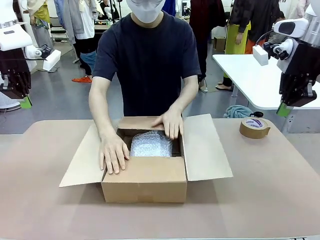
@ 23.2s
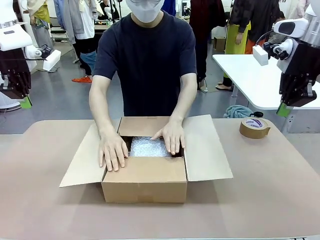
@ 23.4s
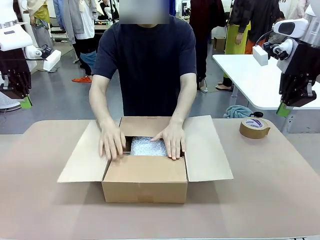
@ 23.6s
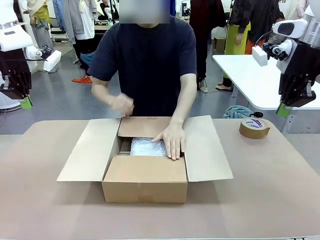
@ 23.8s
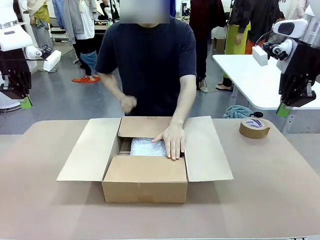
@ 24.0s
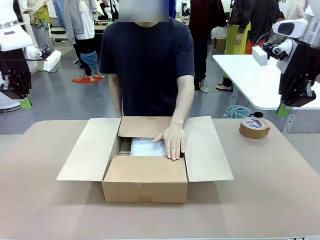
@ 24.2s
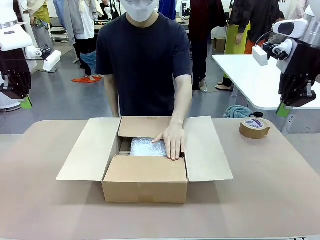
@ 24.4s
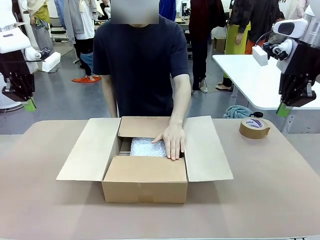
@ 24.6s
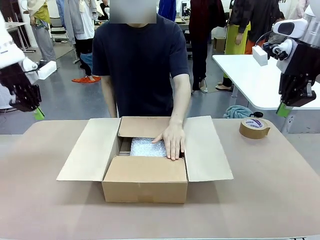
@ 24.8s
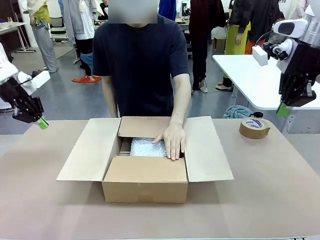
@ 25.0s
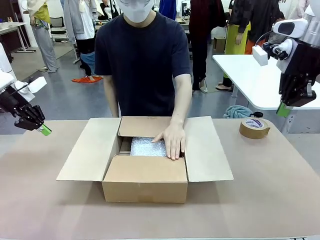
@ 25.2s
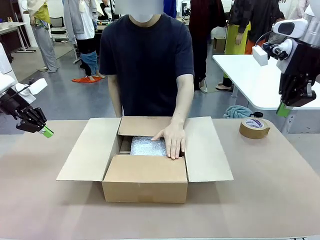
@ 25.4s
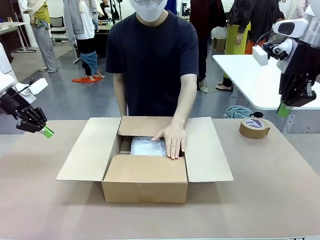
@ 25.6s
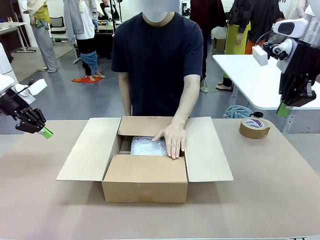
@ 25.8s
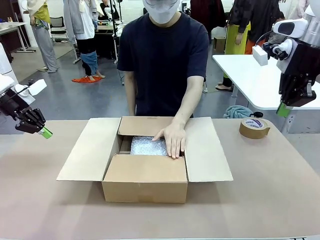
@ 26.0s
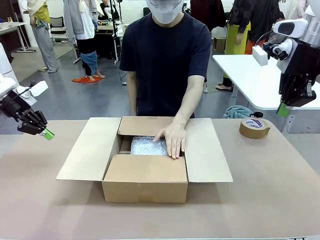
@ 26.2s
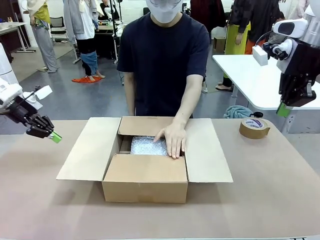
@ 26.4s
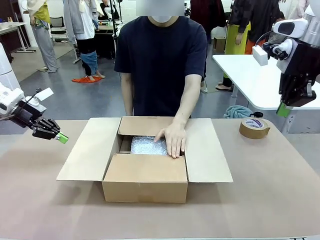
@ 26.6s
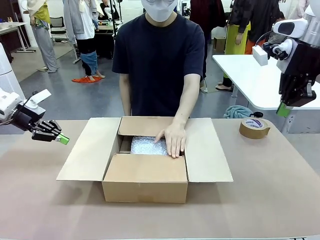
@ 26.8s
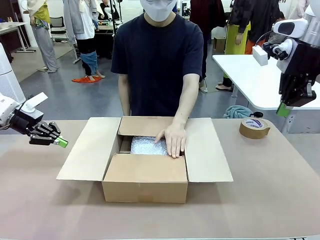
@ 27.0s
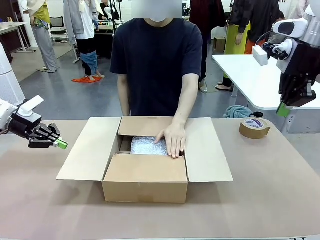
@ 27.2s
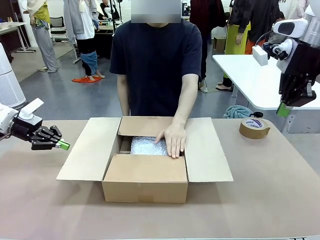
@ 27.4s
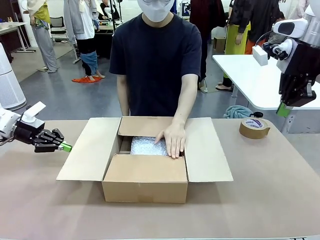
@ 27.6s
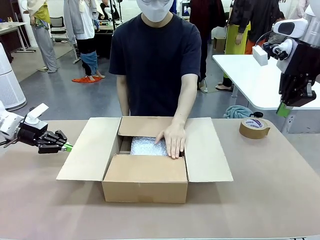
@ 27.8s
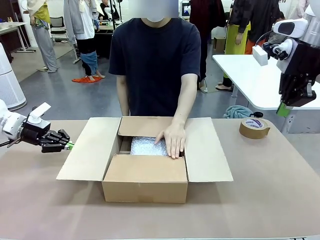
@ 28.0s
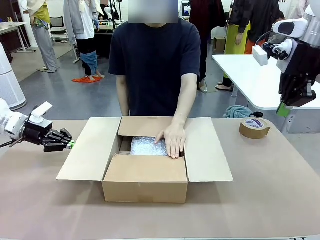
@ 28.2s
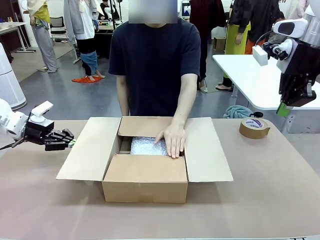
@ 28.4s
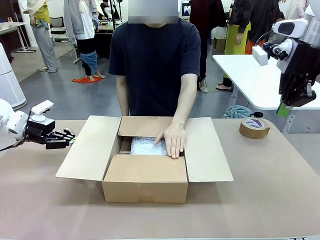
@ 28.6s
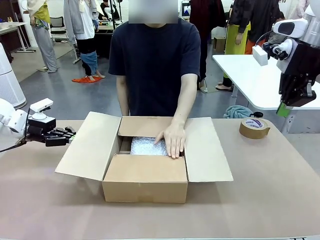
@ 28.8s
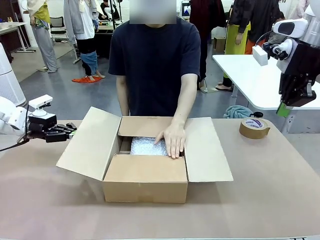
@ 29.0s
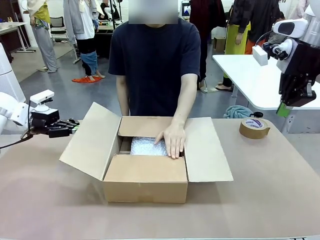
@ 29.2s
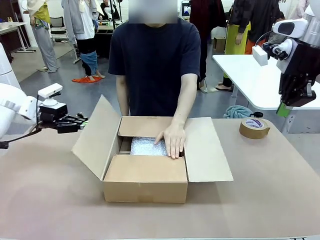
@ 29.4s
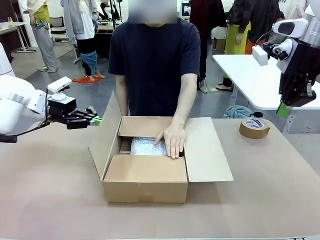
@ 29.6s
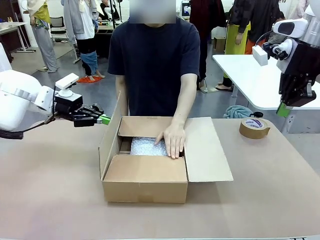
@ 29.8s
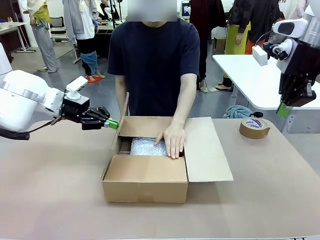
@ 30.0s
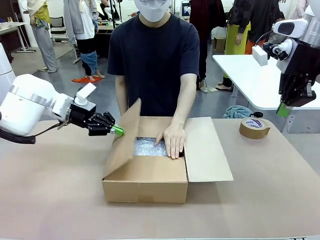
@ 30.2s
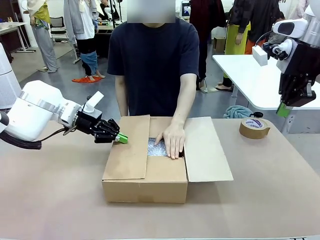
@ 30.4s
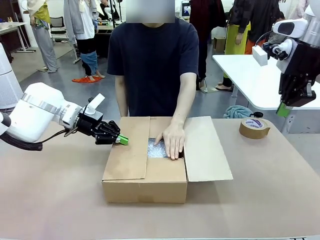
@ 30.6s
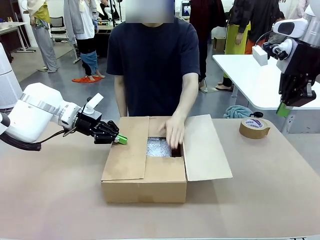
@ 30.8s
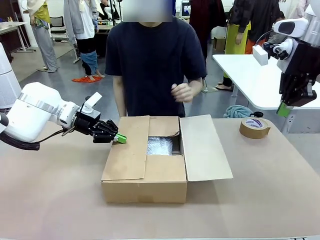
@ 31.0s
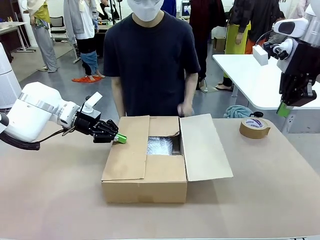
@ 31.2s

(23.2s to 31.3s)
Task: Wrap the clocks to prevent damage.
Robot: Push the right (or left) flap of the Package Box to close it.
Person: Once the robot closes the right flap of the Package Box , release your left hand from the box.

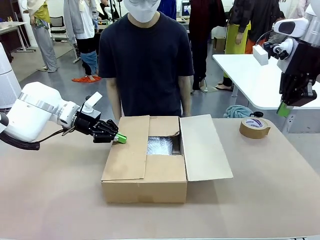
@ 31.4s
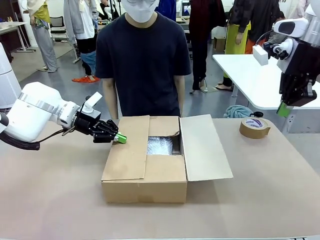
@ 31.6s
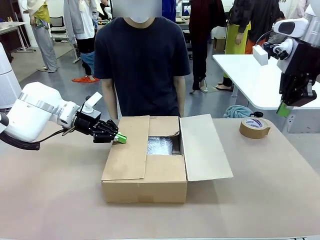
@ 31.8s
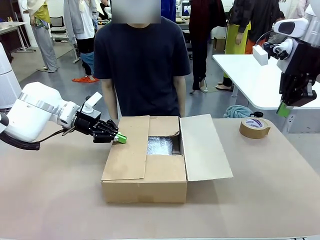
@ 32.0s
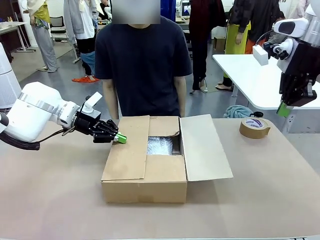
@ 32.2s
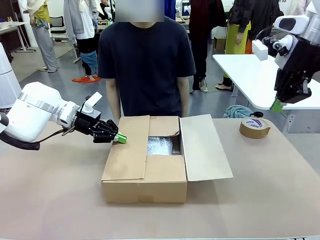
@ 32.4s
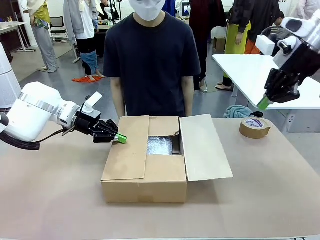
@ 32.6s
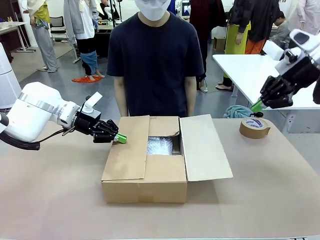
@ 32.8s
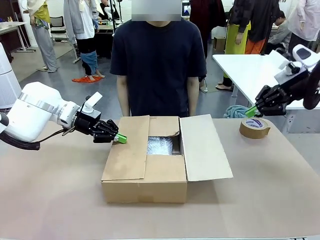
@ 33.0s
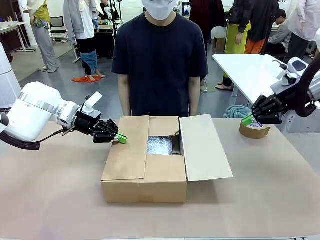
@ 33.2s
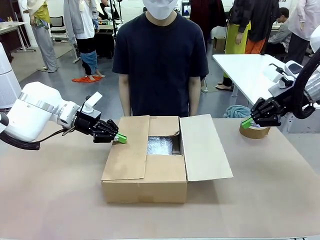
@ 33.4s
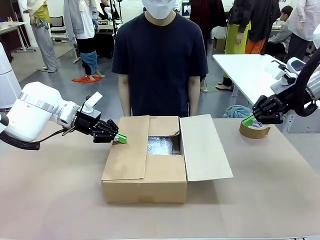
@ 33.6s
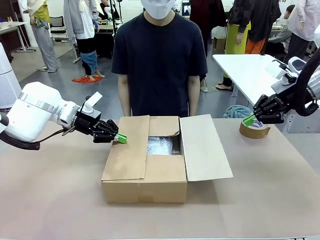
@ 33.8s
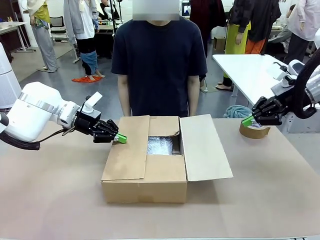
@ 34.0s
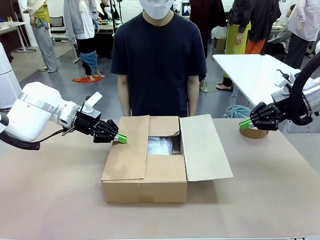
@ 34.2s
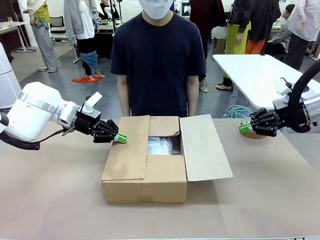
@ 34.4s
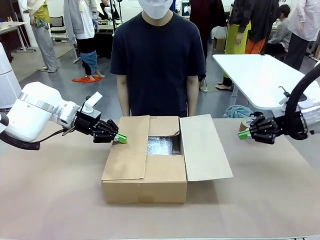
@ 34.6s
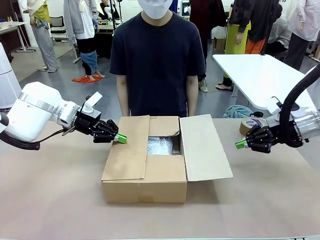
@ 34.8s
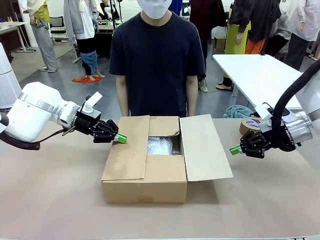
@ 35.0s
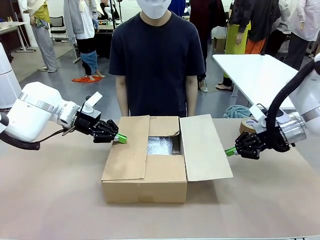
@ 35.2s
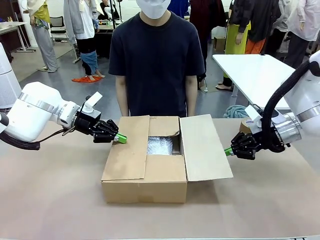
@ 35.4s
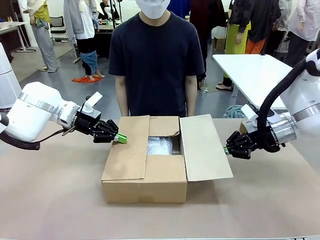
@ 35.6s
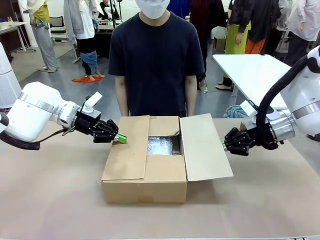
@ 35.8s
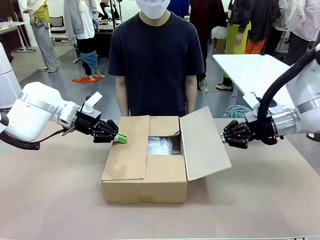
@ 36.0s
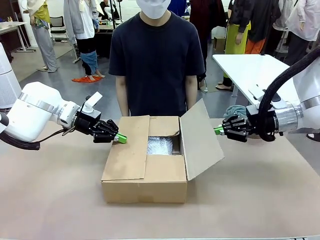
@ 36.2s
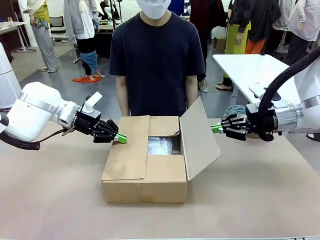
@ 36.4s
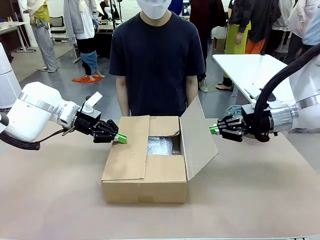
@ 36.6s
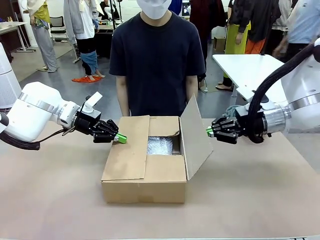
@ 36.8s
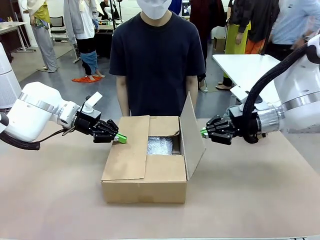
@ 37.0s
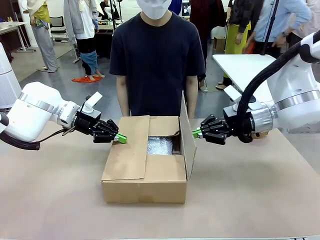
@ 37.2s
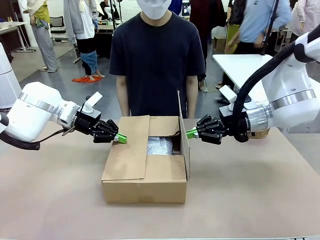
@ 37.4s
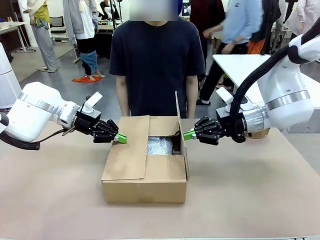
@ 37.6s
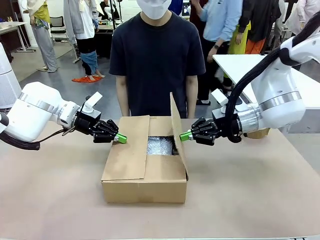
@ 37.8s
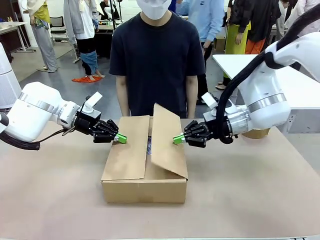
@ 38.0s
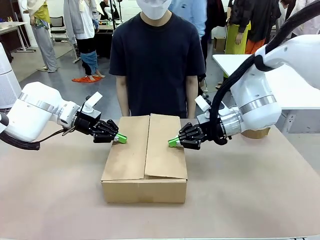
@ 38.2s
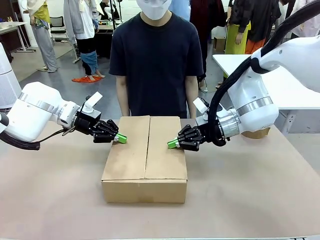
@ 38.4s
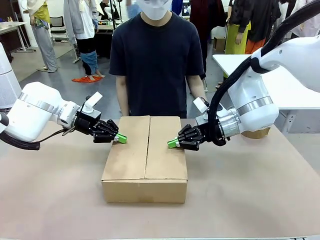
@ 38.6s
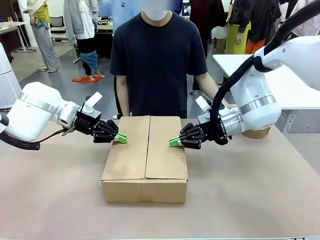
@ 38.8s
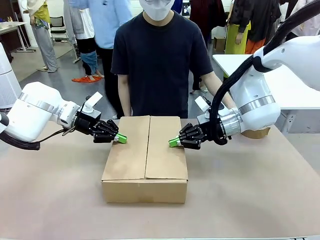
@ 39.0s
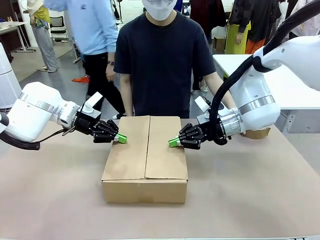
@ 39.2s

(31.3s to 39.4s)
Robot: Push the left (or right) flap of the Package Box to close it.
